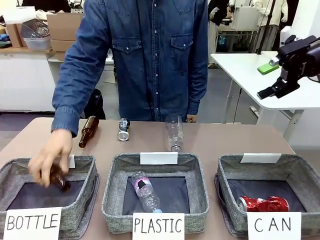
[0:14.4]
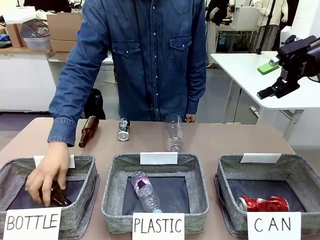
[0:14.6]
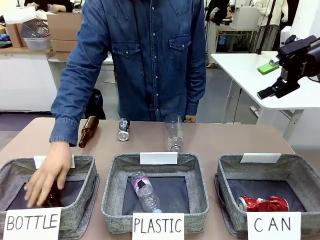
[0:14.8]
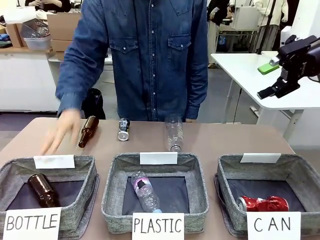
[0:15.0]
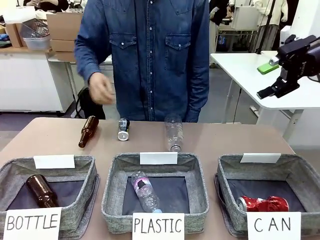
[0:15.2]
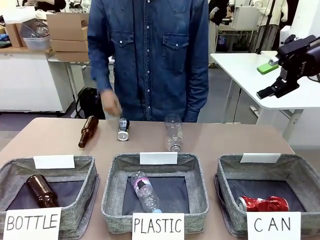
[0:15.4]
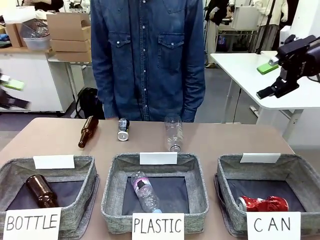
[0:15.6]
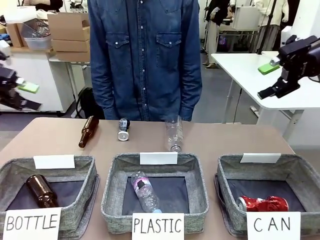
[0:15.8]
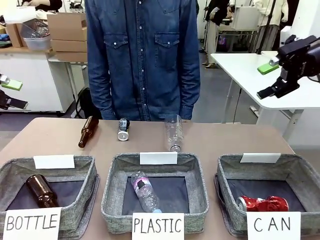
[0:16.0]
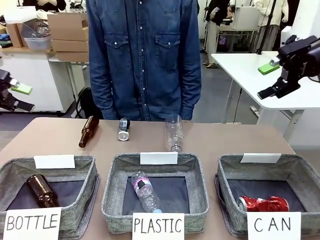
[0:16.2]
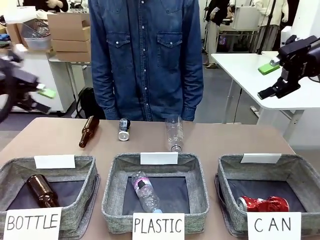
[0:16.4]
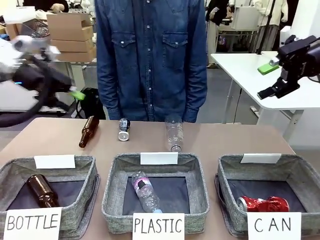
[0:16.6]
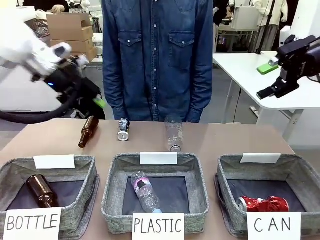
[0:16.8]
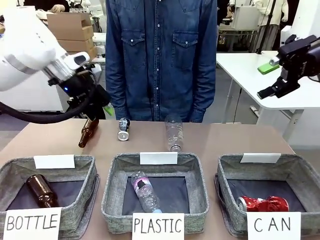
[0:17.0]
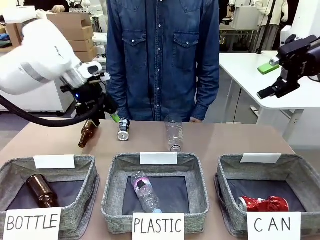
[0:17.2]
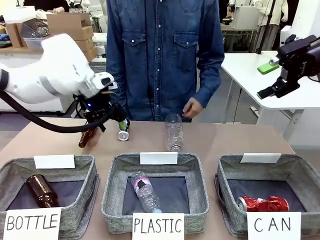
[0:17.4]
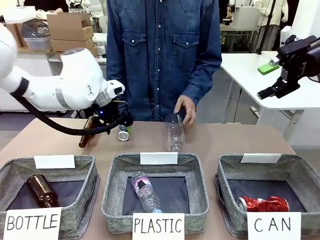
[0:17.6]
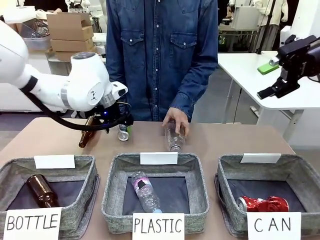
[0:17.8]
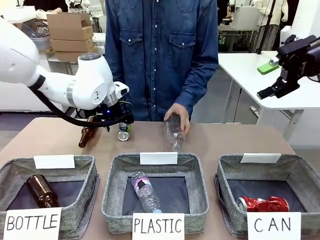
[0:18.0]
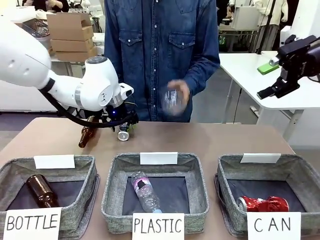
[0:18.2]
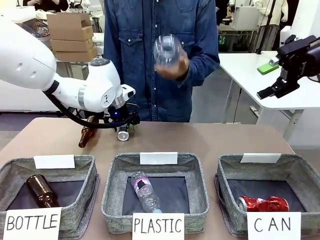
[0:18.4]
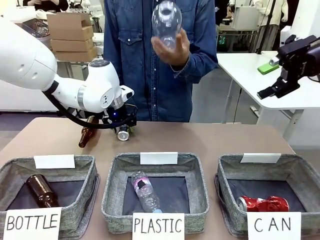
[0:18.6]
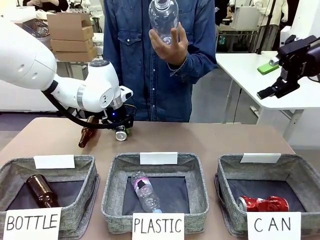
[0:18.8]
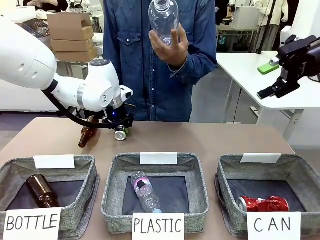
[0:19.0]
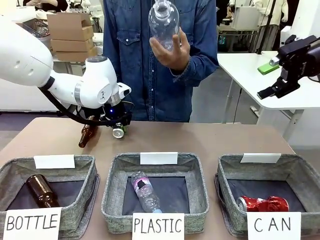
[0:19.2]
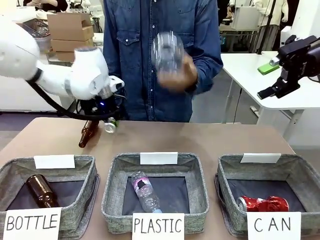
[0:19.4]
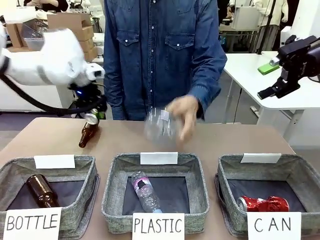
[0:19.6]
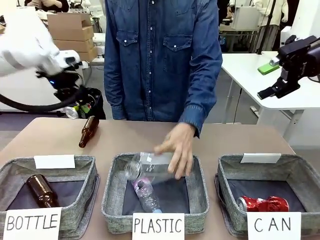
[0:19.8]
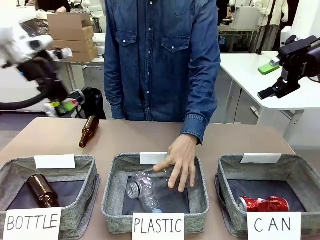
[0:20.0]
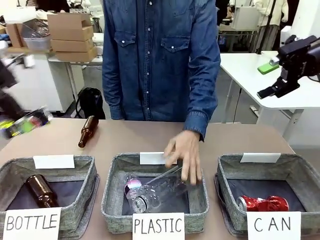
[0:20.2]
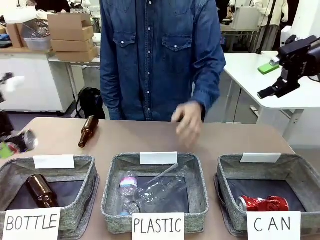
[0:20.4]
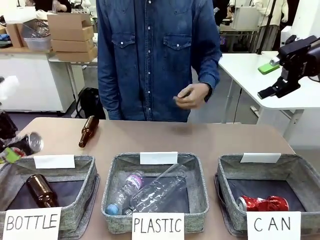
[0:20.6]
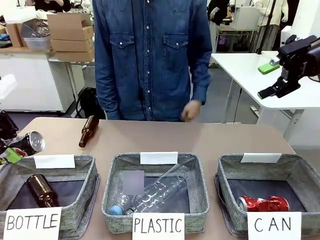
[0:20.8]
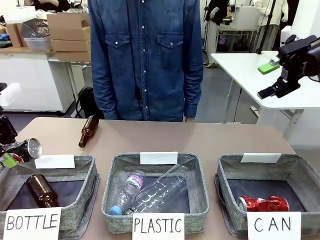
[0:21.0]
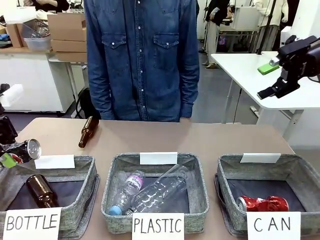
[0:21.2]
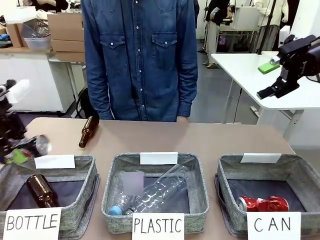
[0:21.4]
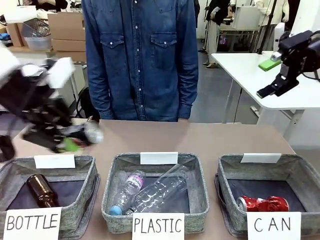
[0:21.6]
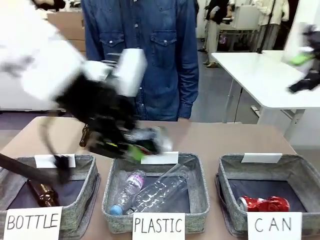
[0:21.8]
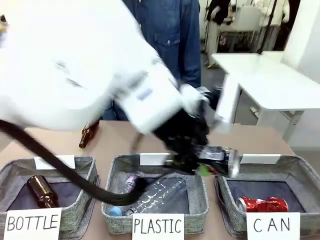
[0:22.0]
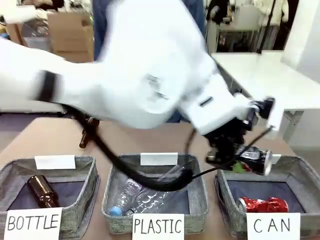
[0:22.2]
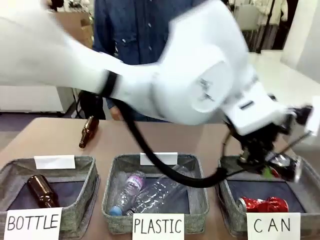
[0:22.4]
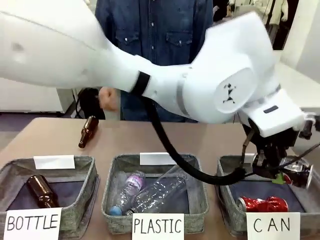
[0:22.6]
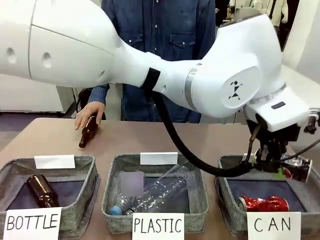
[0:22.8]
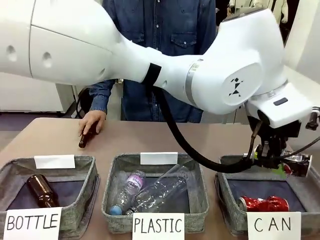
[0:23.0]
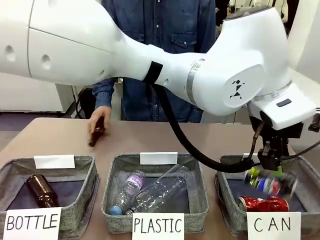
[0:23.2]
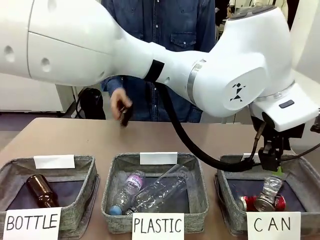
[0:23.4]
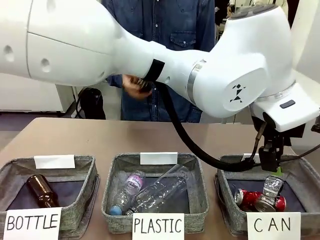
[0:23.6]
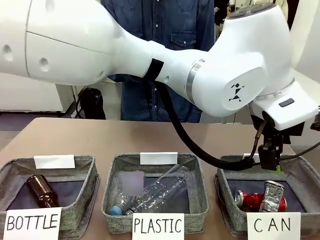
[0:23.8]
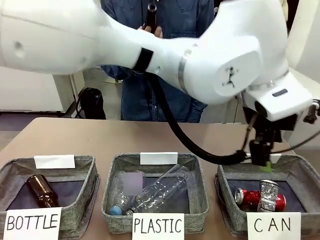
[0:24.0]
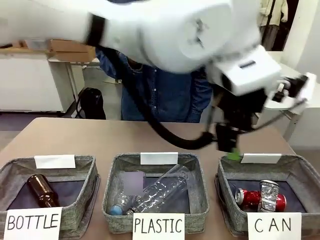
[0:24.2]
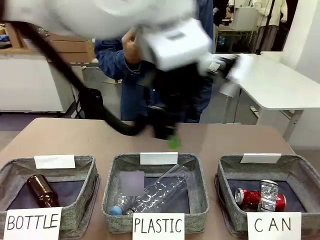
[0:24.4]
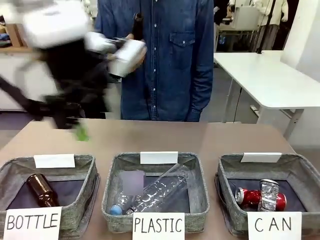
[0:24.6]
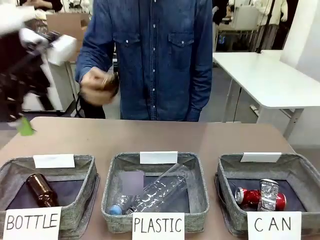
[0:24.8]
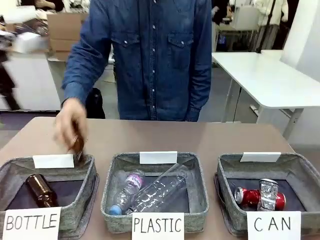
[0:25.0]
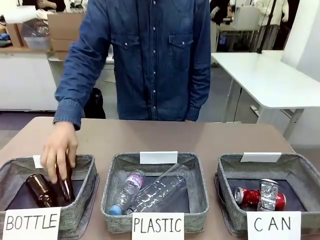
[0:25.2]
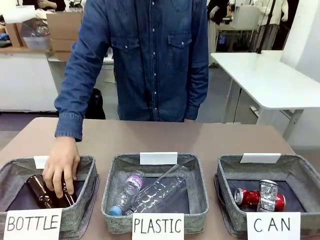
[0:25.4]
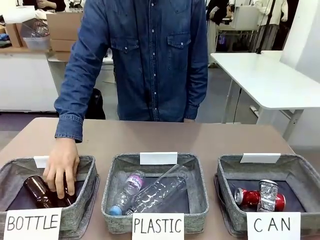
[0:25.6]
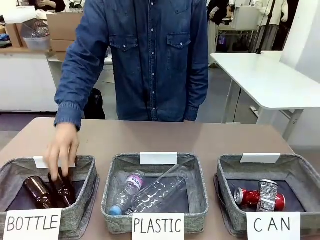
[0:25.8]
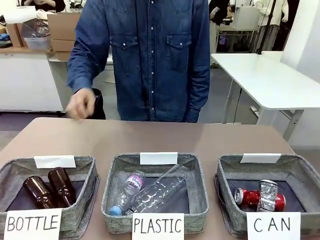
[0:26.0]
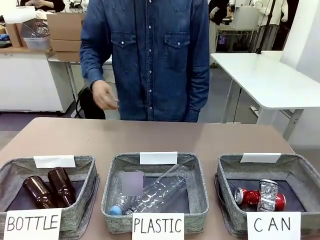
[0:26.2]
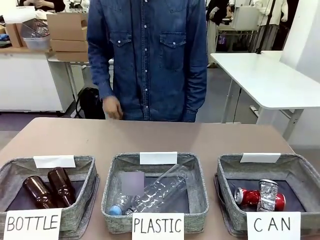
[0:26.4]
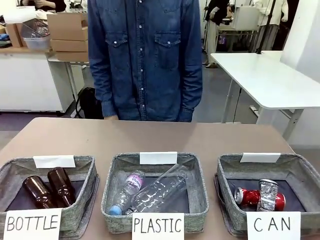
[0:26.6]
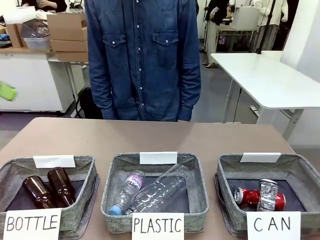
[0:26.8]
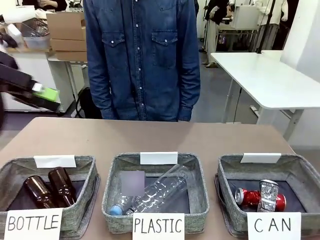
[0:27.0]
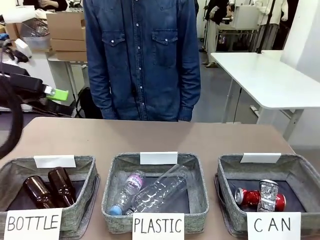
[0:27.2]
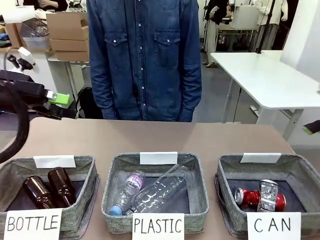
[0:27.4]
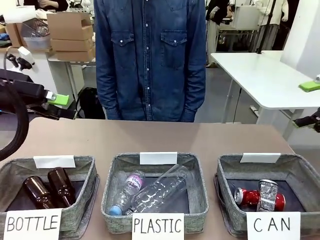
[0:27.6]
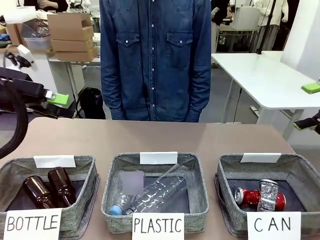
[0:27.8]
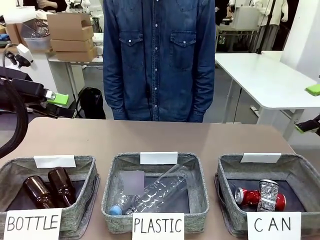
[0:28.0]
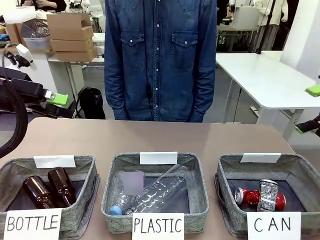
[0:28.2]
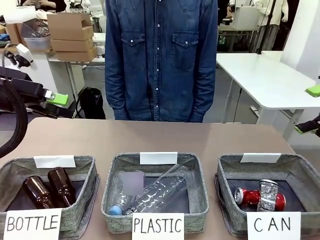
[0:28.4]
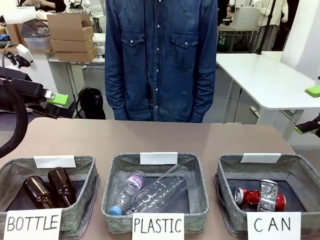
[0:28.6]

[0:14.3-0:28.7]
Task: Sort the can waste into the basket.
Robot: Pick up the can waste from the table and place it in the right Fabric basket.
Person: The human picks up one piece of trash that is not a can and places the trash into the appropriate organizing basket.
